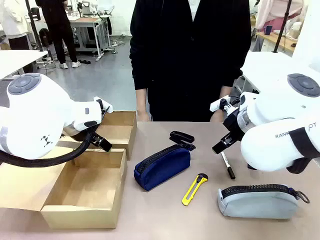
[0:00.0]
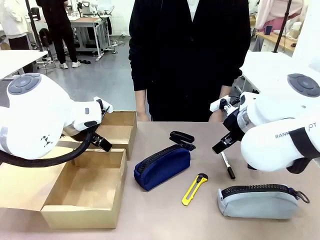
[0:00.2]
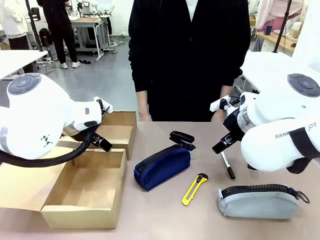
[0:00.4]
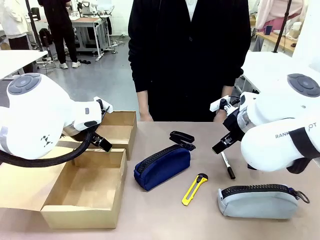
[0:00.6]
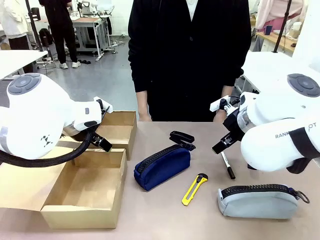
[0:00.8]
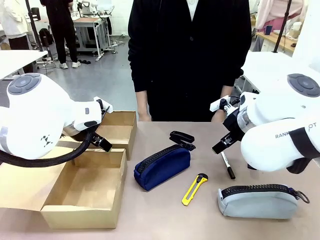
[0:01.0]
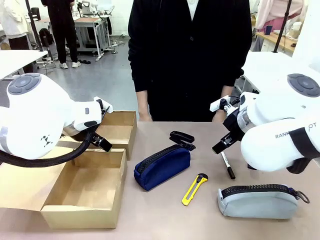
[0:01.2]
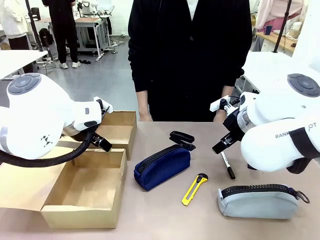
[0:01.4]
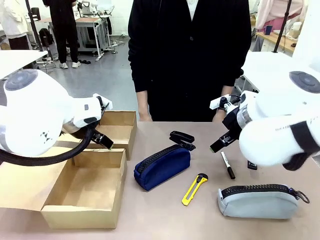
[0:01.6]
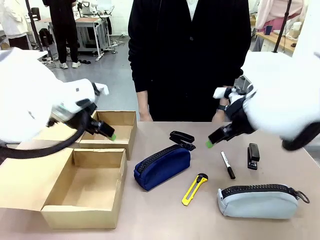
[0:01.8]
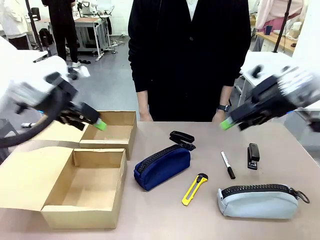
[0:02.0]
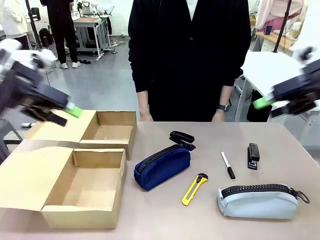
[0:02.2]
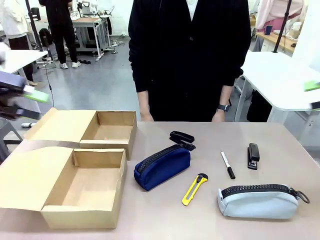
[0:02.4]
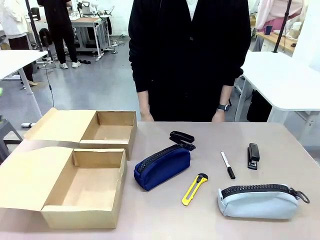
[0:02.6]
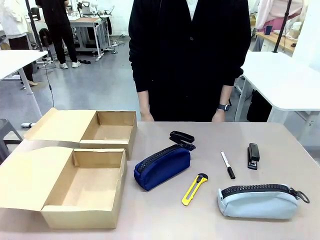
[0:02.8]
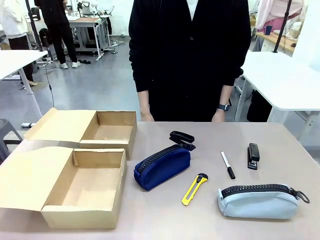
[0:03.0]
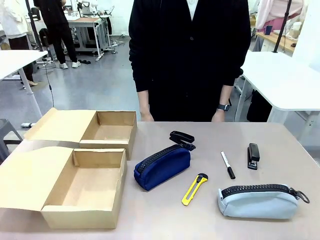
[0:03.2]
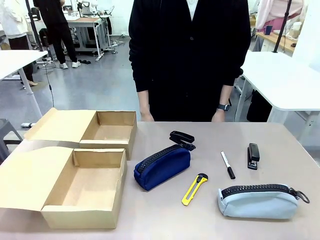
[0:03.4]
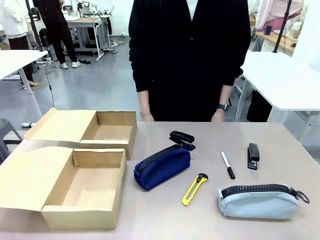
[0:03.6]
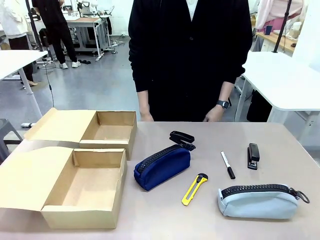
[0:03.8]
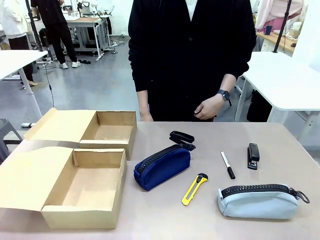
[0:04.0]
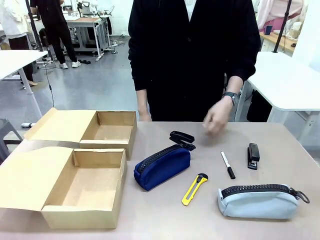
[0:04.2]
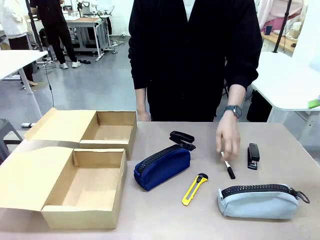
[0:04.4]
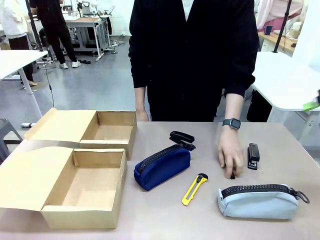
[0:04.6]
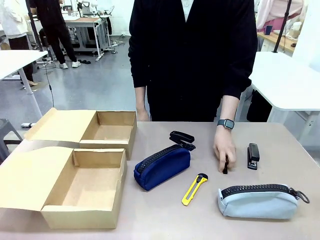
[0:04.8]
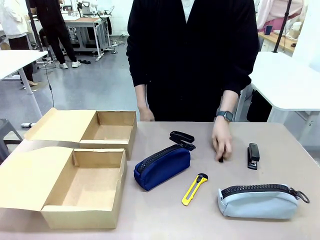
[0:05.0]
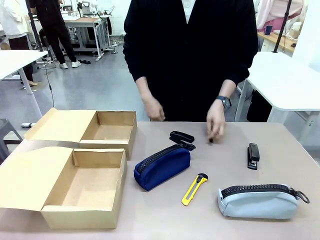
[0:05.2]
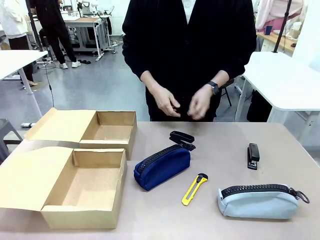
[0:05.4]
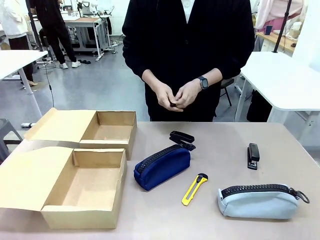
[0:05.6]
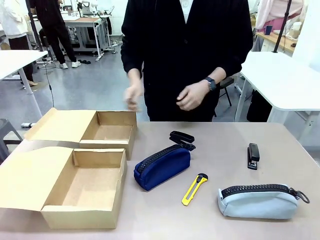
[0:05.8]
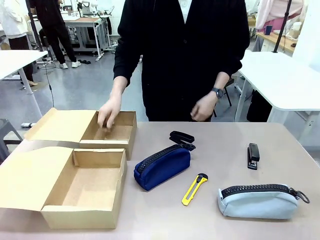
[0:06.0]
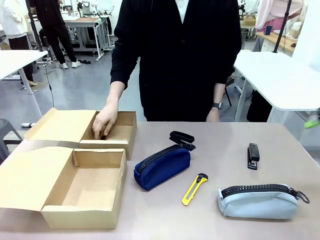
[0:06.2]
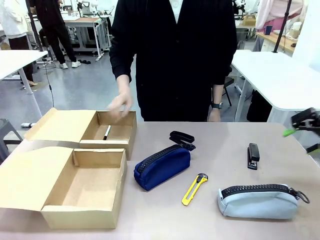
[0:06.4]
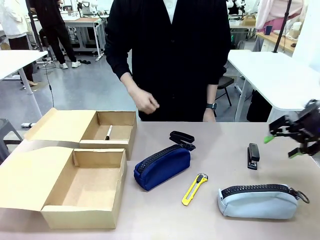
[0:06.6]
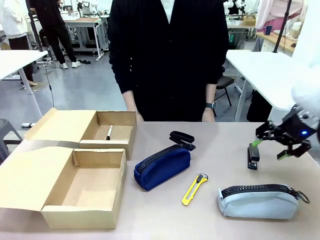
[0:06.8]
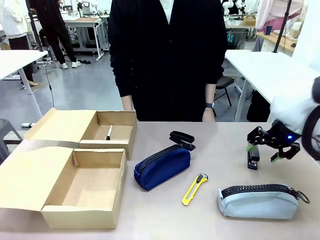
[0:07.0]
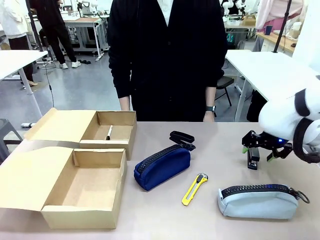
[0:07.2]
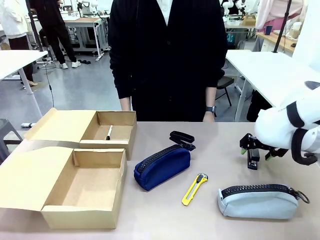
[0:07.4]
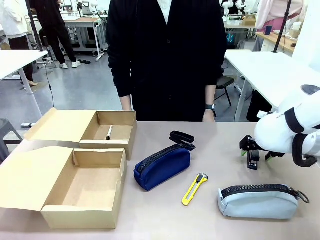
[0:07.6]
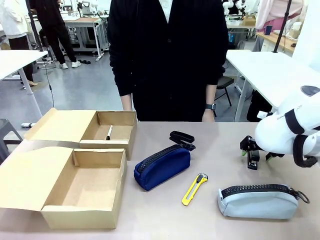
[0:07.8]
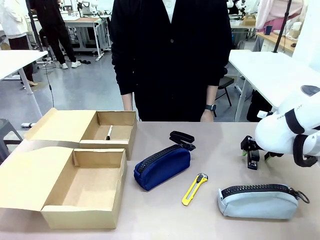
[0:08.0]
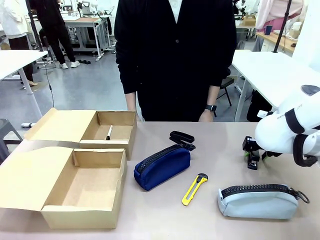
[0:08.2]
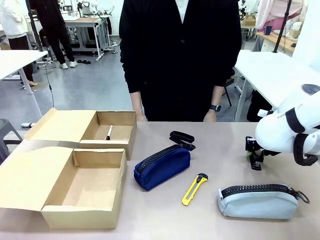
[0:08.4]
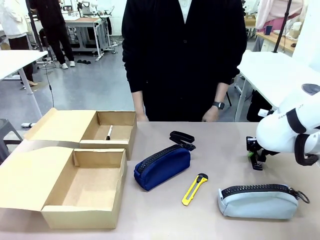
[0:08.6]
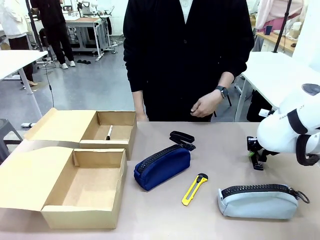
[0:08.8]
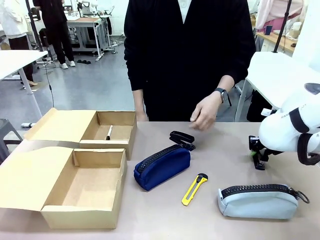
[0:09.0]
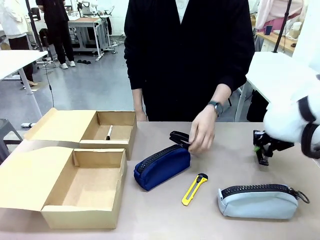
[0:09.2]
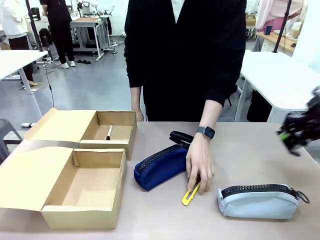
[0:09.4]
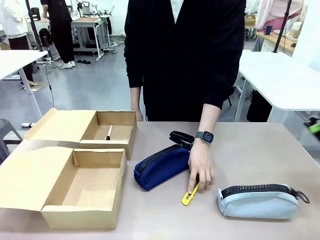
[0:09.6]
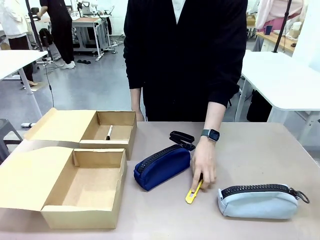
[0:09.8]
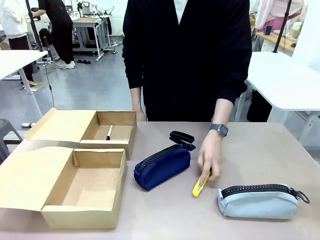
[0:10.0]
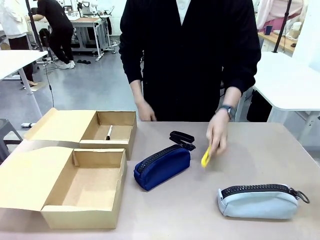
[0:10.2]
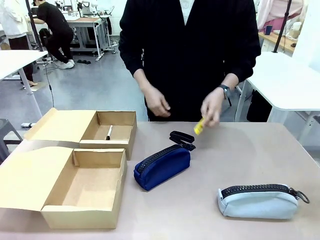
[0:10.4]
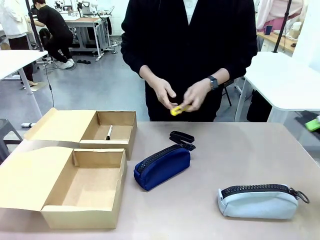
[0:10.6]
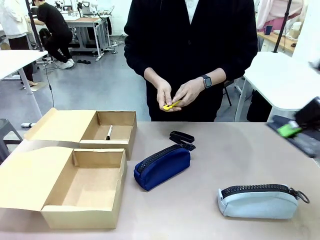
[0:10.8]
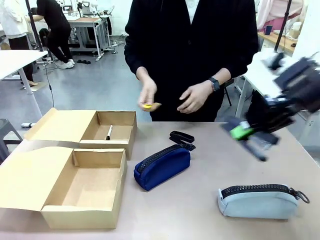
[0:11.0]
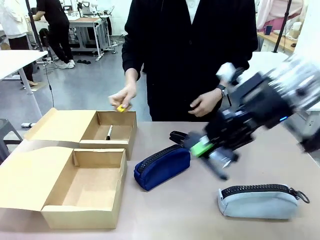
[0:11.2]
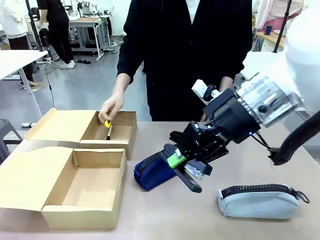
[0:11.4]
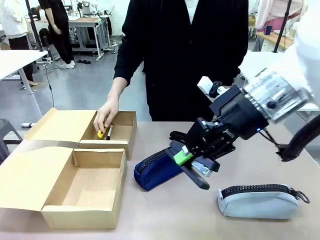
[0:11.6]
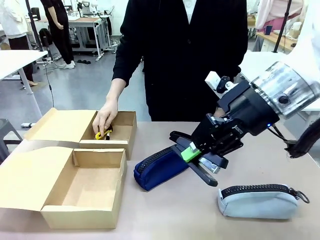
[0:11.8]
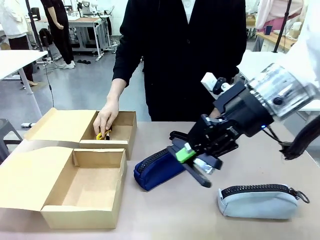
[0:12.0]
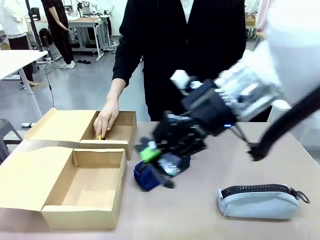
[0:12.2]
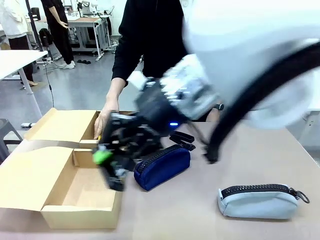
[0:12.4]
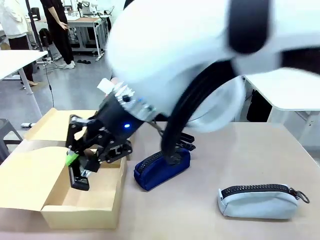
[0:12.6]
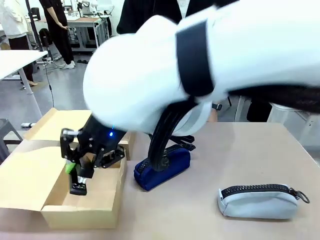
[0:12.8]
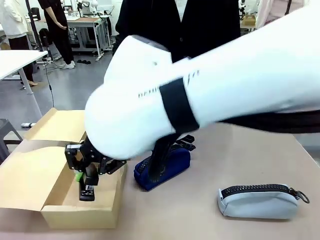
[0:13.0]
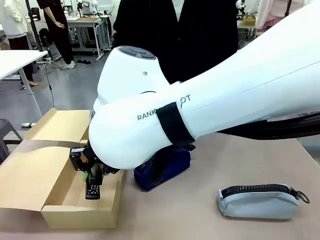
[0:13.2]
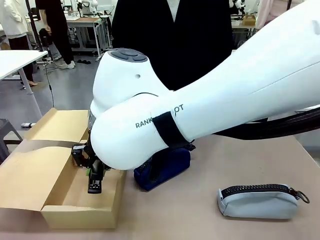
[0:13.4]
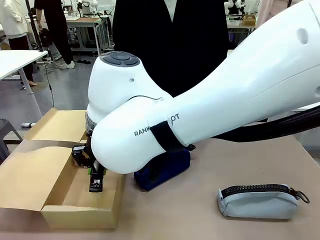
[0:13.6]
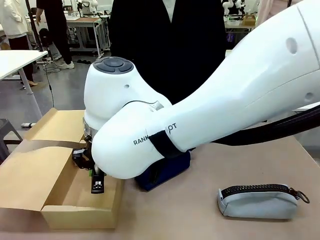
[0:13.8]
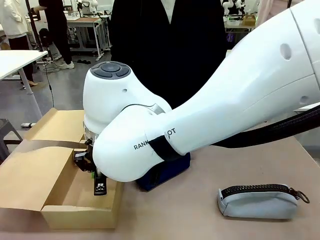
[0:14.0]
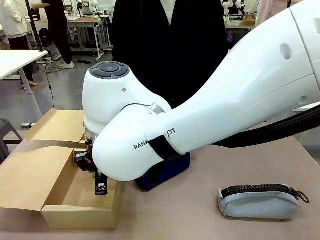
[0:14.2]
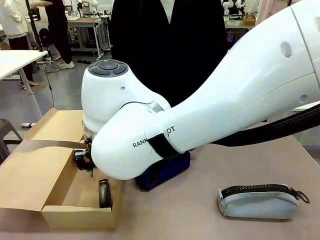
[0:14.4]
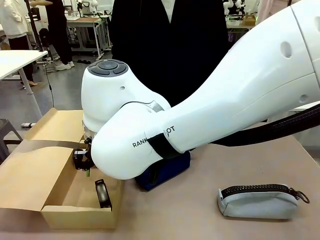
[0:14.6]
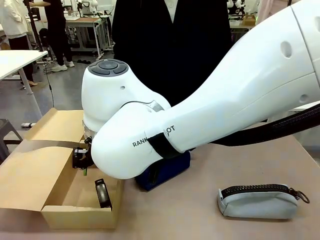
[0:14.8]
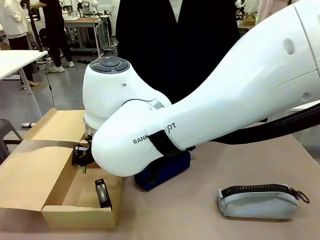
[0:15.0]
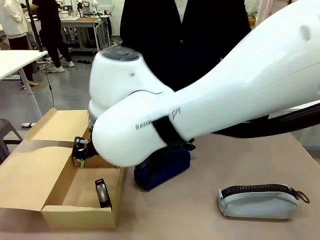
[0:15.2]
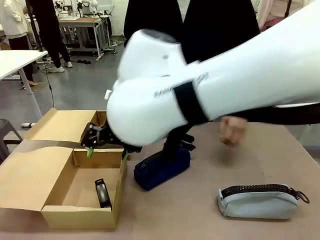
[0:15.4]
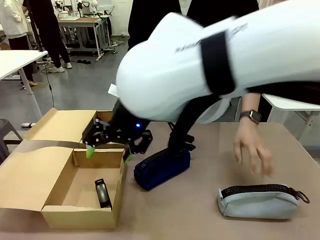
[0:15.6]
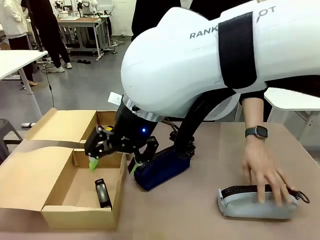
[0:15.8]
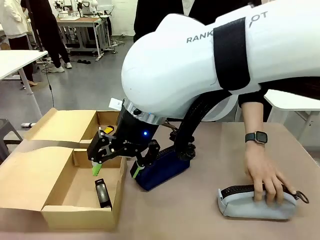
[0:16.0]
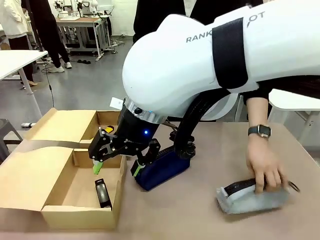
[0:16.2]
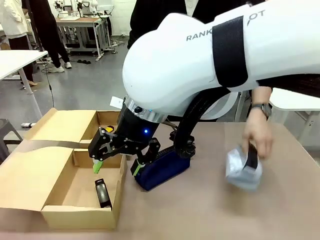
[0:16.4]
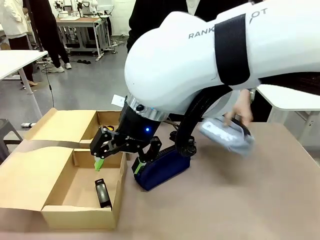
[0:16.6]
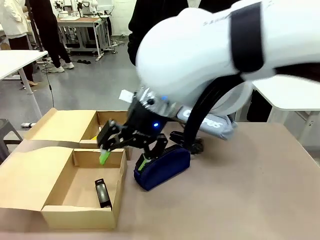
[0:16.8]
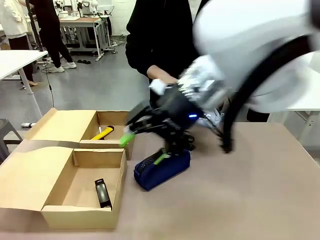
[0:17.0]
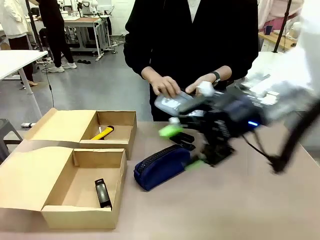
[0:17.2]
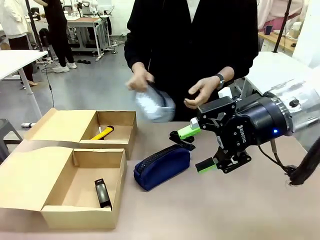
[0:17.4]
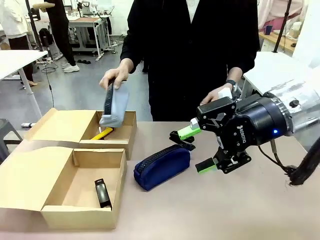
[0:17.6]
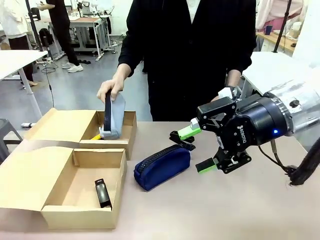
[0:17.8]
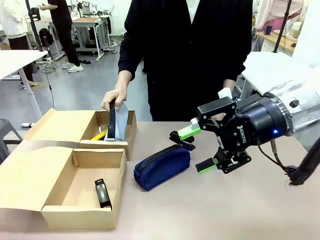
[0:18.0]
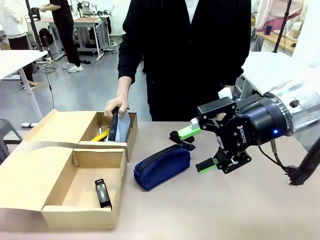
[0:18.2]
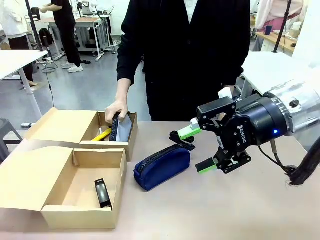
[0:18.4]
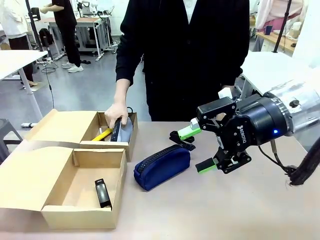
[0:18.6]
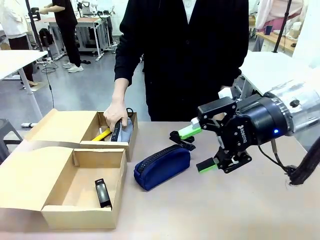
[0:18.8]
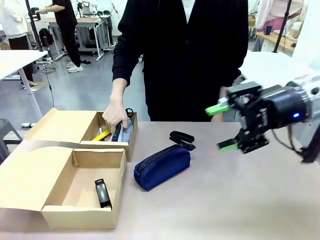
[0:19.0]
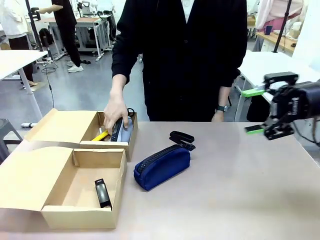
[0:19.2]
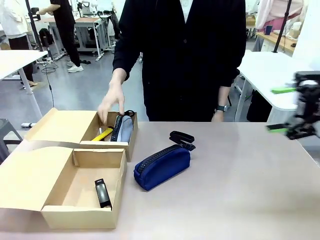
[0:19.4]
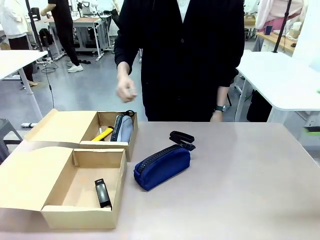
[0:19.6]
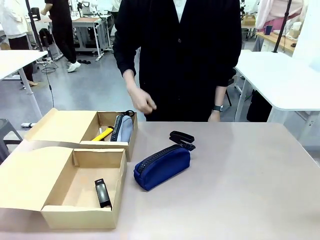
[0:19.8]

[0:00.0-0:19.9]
Task: Place items inside the box.
Robot: Pick up a Pencil pouch or Stapler and place it inside the Mailer Box closest to the robot.
Person: Pick up an object on the table and put it in the box.
